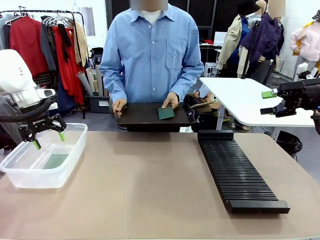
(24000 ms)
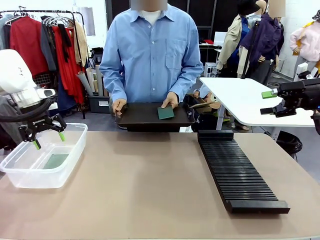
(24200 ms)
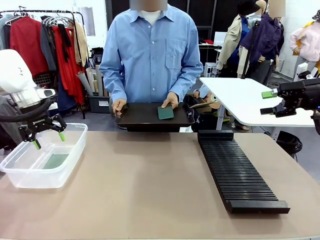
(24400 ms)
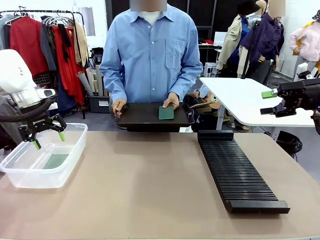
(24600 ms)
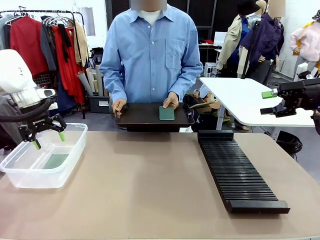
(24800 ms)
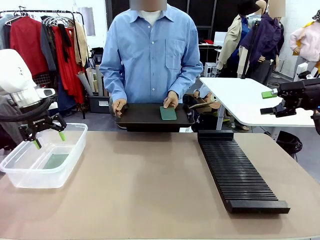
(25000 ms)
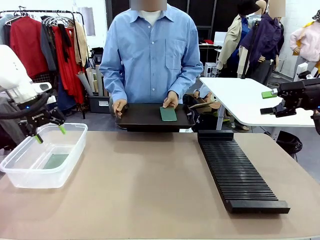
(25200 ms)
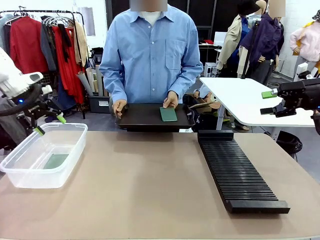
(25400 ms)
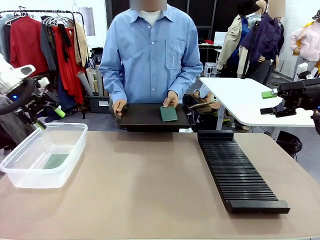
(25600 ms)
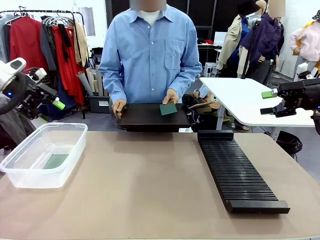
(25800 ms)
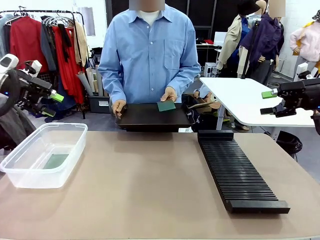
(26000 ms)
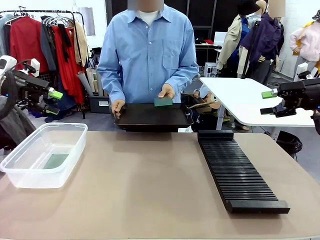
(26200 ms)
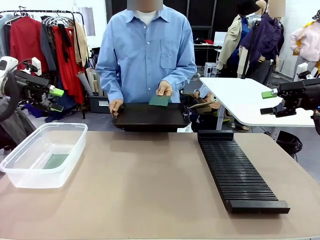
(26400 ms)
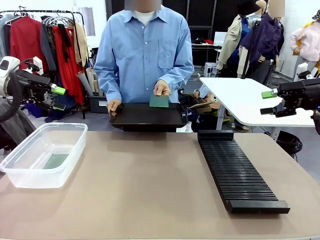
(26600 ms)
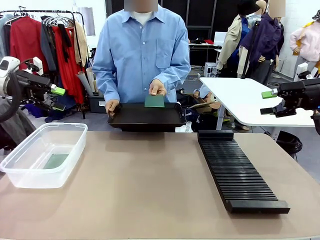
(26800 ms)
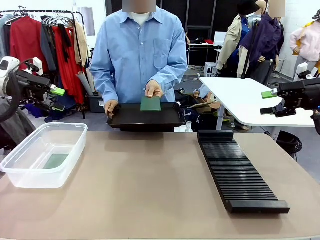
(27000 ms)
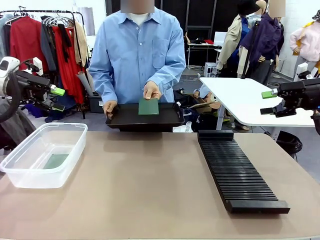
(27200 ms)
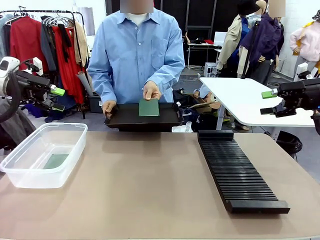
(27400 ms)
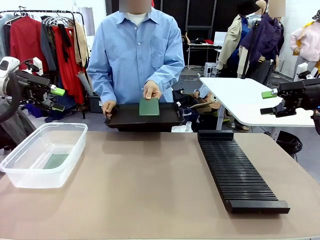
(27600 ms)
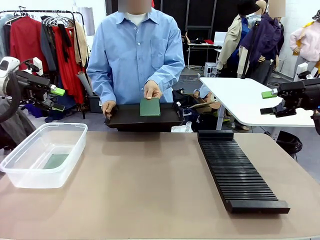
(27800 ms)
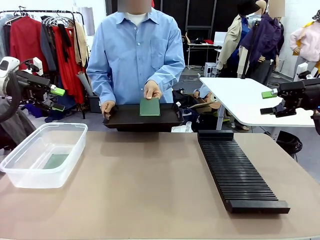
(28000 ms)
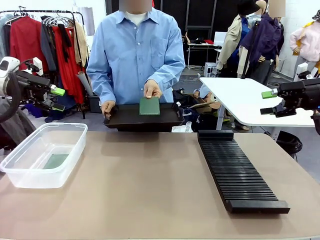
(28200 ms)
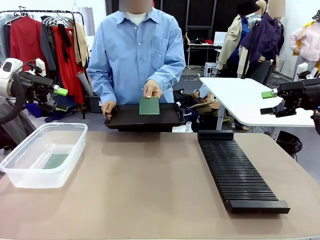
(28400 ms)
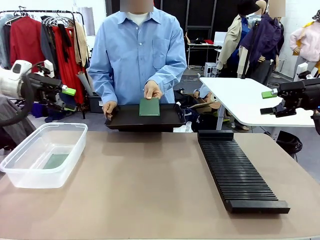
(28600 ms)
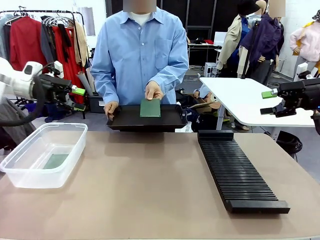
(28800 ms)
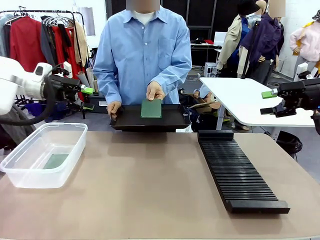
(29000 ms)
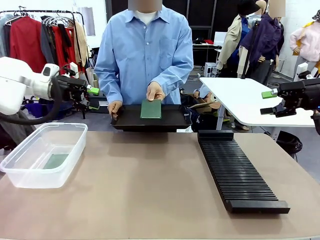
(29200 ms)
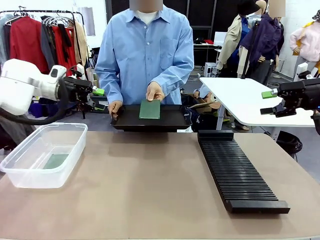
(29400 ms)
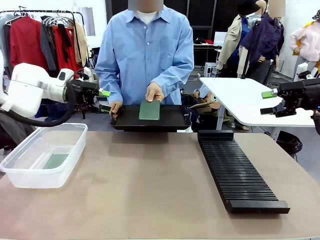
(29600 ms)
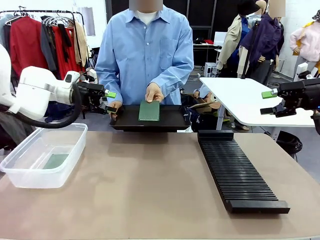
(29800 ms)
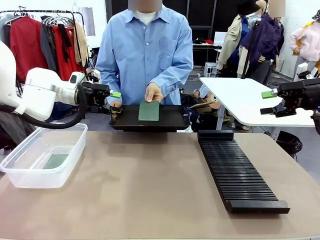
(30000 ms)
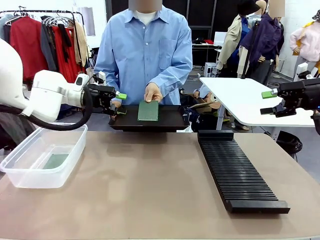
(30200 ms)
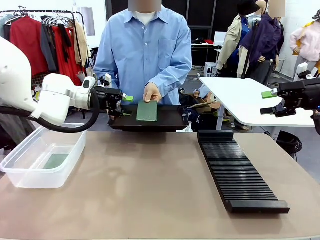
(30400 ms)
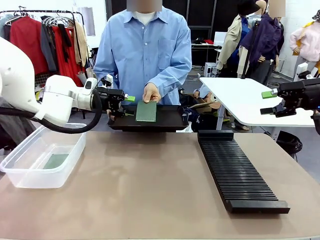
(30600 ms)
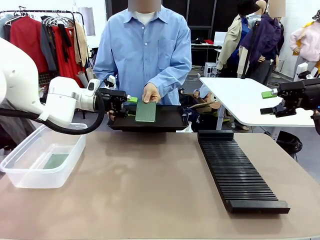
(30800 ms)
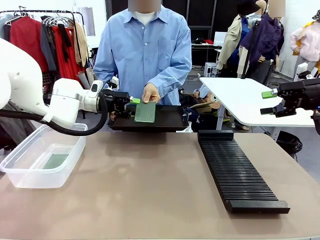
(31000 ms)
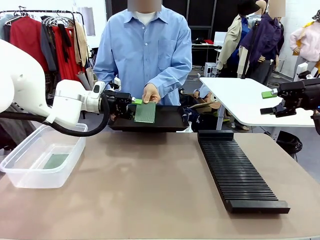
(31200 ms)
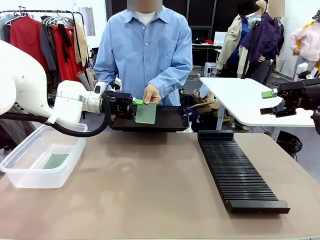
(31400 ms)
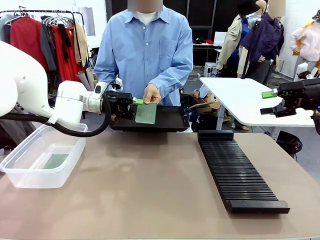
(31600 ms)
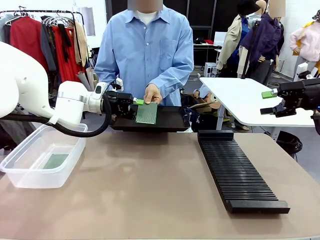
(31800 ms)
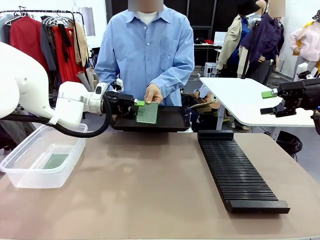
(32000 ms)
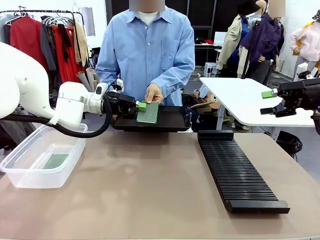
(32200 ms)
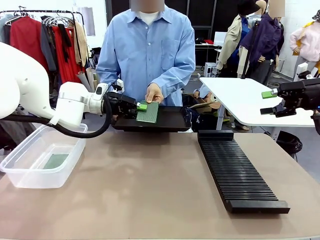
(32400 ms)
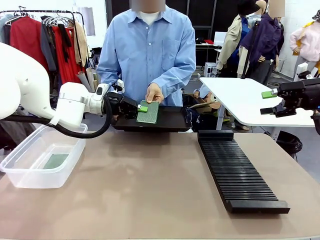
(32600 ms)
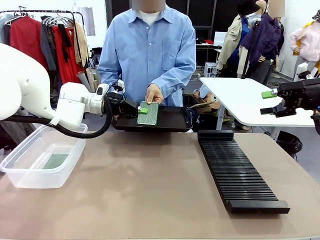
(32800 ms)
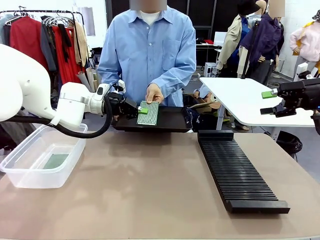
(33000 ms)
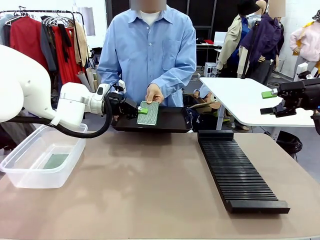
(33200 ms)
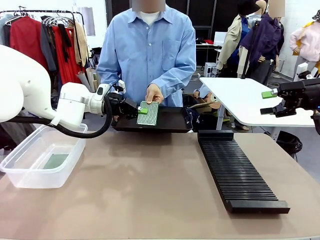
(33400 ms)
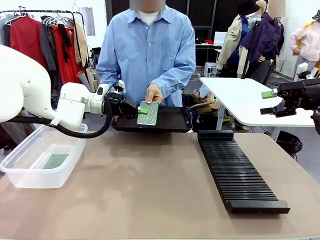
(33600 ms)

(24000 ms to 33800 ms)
Task: Sort PCBs into racks and boxes based on the side picked up.
Robot: Pick up the Blank PCB handed by the Human.

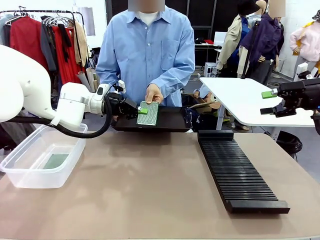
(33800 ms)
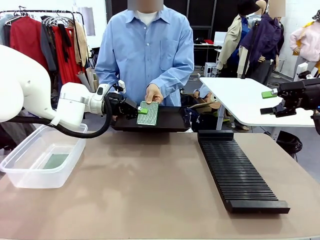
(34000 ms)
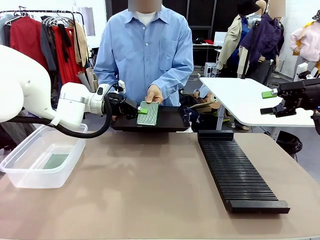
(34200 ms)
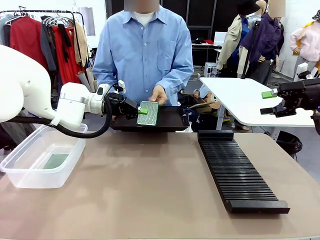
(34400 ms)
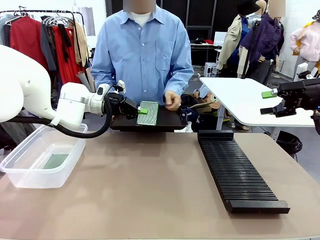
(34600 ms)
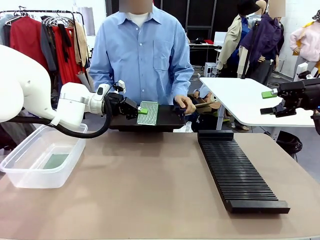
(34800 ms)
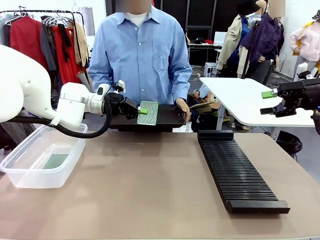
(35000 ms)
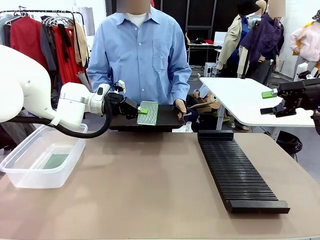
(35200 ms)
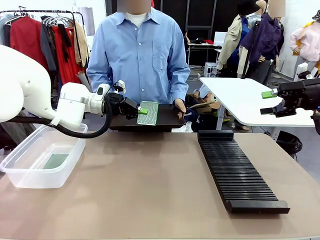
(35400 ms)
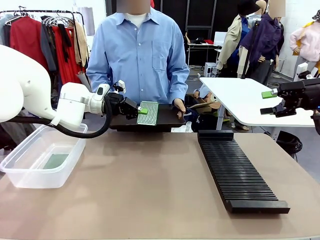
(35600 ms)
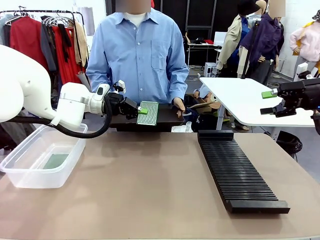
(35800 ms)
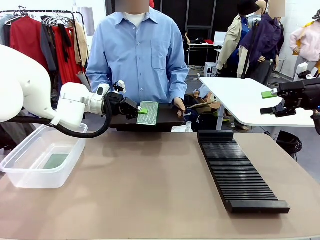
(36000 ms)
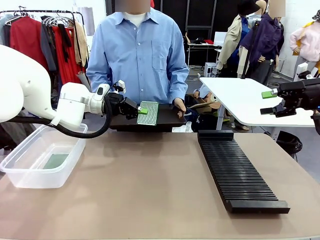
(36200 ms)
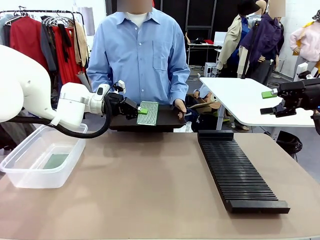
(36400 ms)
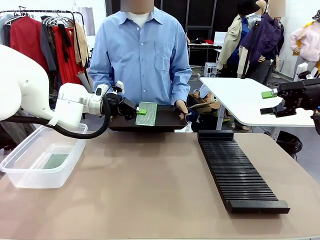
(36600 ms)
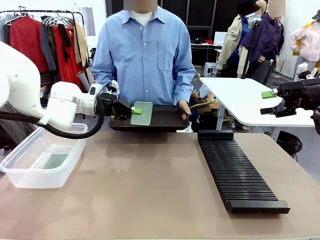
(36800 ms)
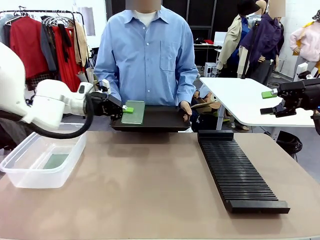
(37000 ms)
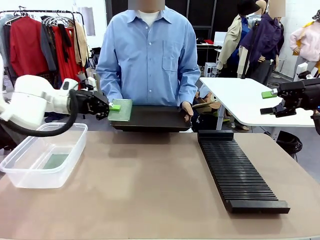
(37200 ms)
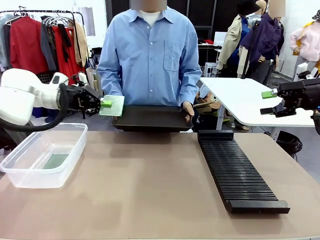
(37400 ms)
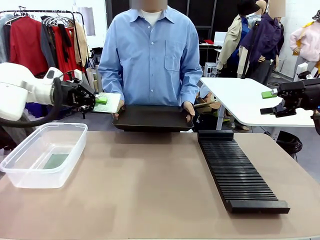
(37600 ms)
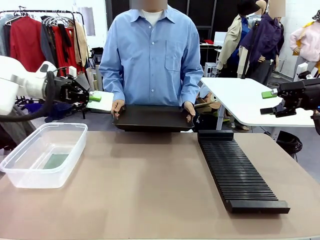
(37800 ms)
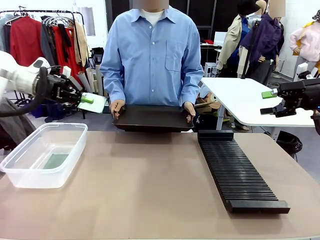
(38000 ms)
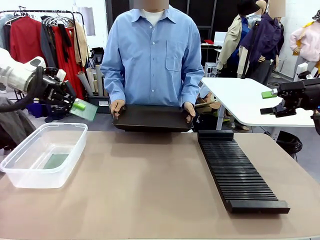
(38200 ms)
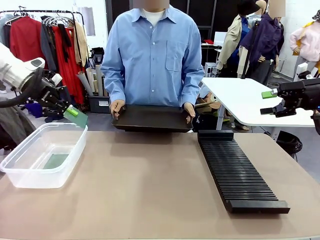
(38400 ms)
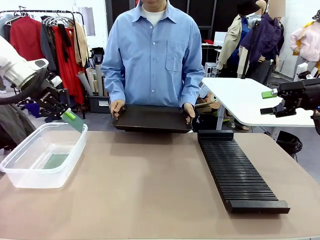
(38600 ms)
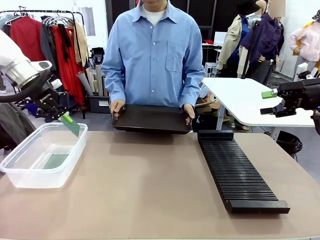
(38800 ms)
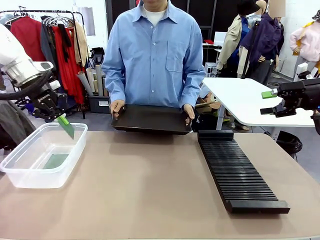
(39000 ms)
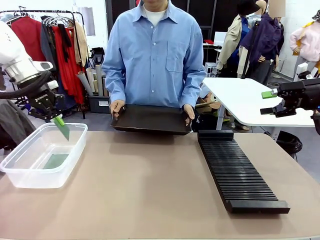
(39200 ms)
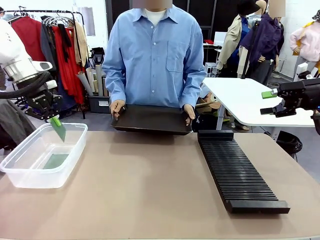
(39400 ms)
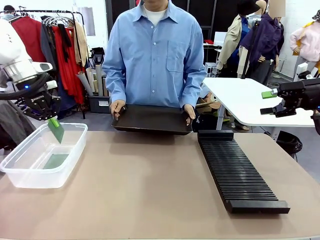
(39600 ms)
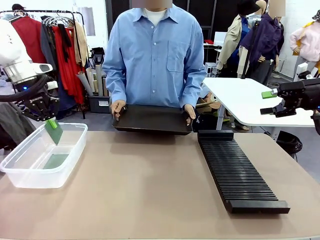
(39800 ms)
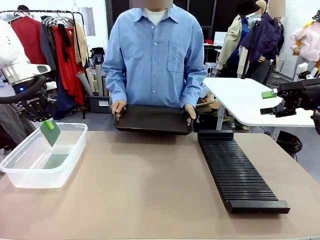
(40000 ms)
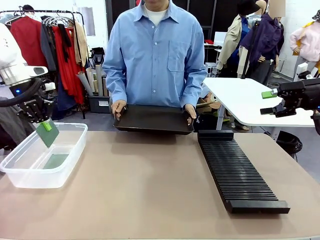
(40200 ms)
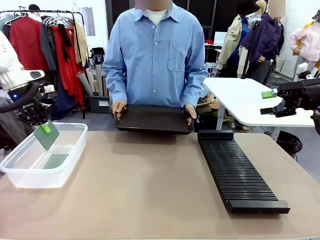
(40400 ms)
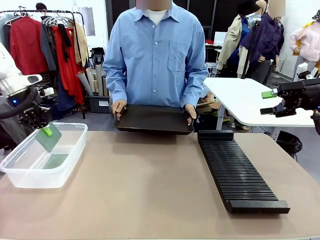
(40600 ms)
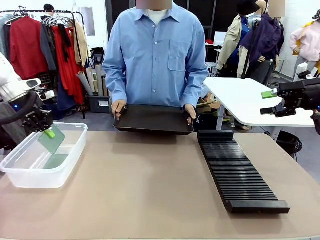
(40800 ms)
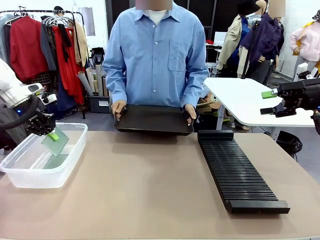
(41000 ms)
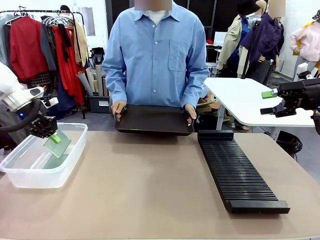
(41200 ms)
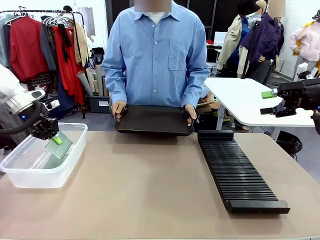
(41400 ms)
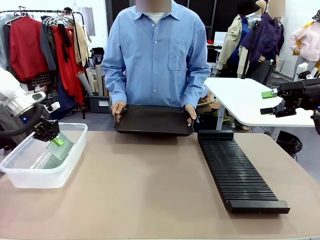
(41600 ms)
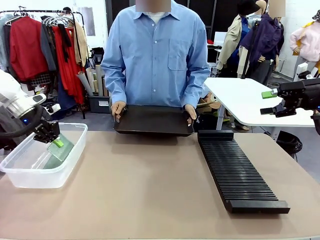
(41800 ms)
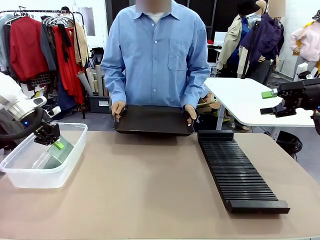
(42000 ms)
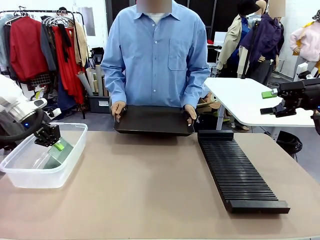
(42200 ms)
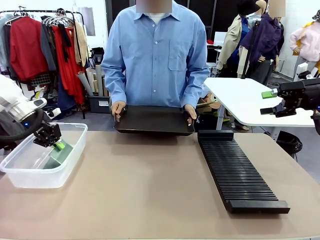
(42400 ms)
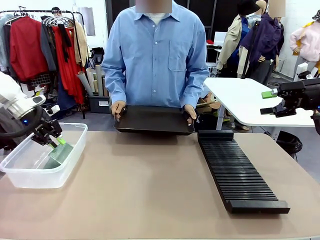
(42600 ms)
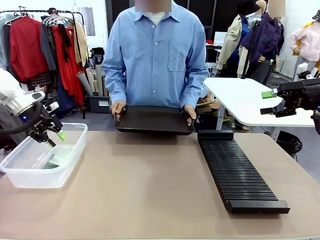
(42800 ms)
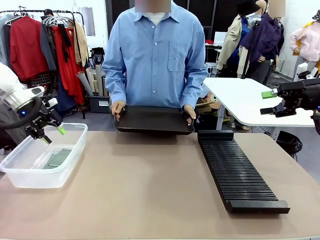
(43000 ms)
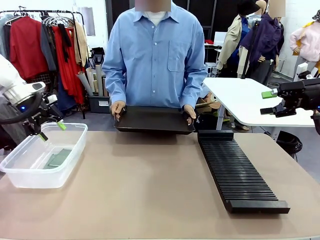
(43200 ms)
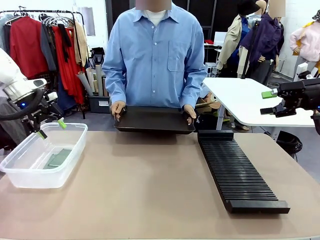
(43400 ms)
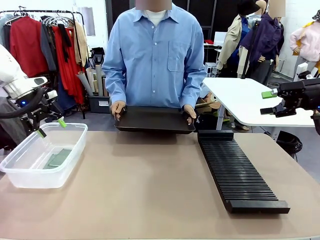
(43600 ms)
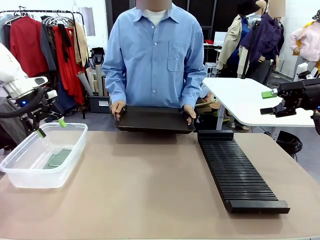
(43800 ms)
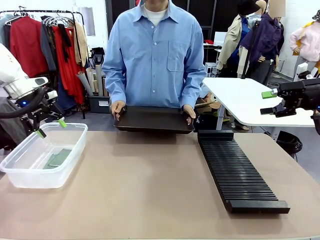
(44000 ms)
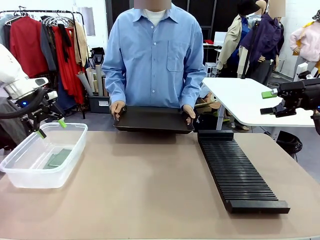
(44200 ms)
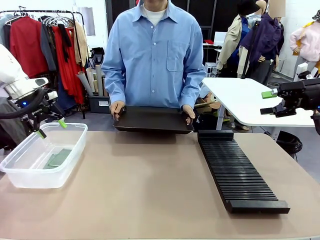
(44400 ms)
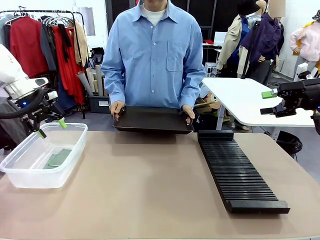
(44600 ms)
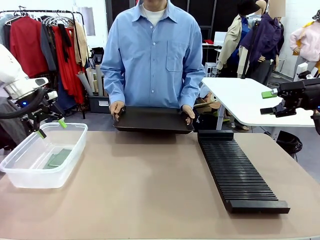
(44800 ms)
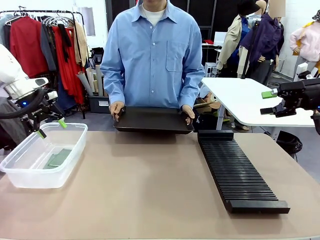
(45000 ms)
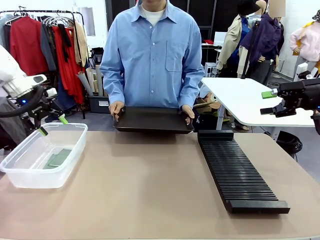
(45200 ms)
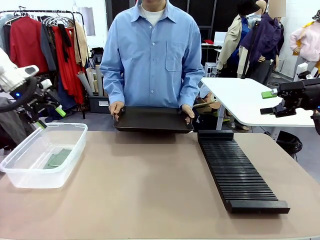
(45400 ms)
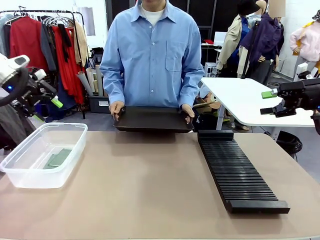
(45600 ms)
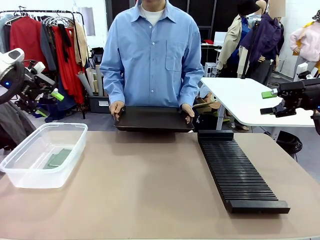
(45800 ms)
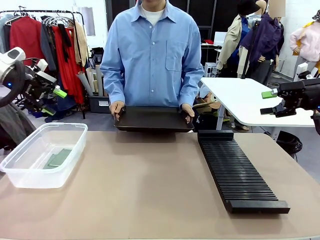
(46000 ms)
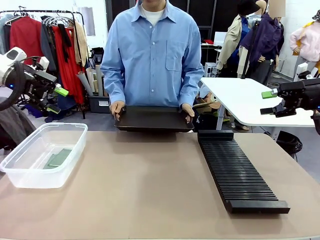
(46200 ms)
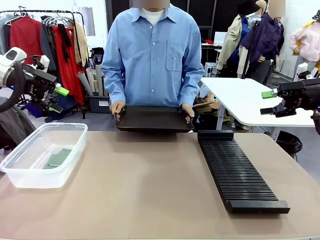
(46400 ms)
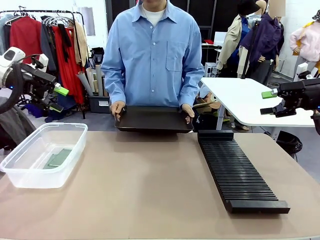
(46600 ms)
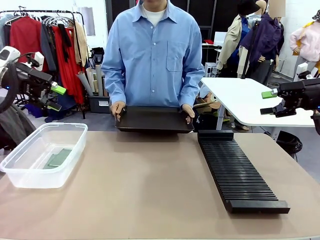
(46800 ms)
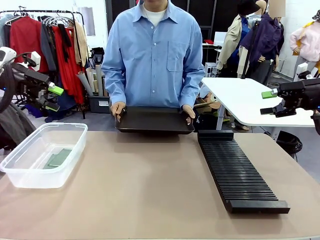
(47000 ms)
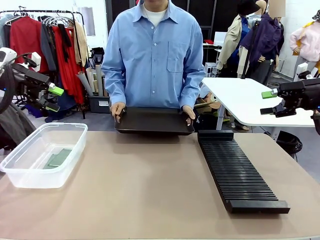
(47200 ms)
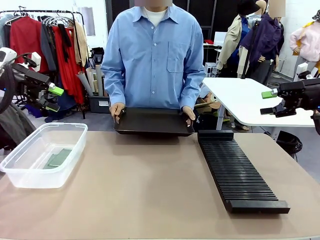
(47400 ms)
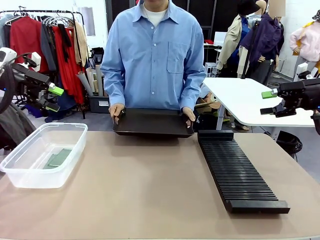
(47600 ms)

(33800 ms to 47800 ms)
Robot: If the short side of the Blank PCB is picked up, insert it into the PCB Rack ; if the long side is picked up, place it in the Organizing box.
Person: Release the PCB being held.
